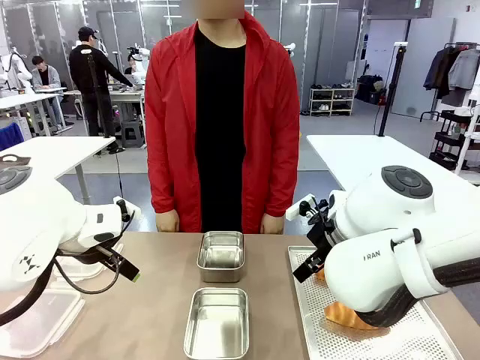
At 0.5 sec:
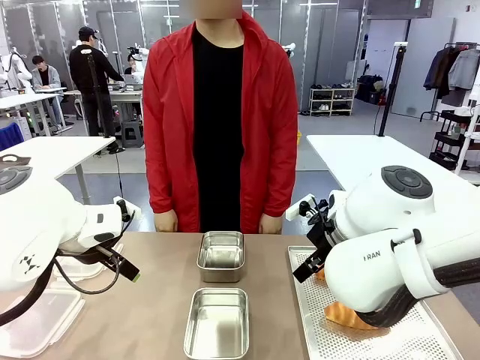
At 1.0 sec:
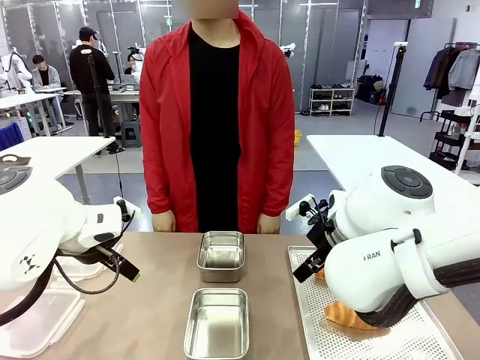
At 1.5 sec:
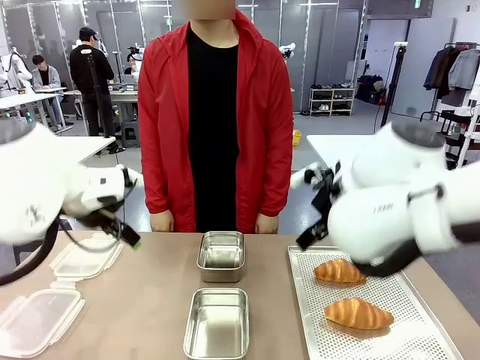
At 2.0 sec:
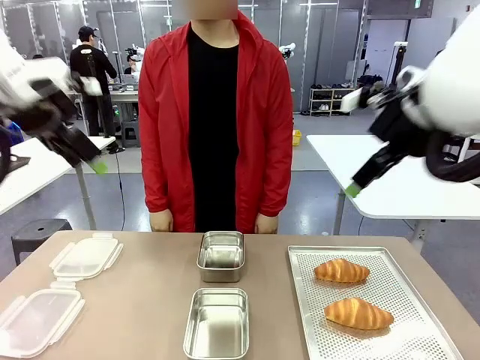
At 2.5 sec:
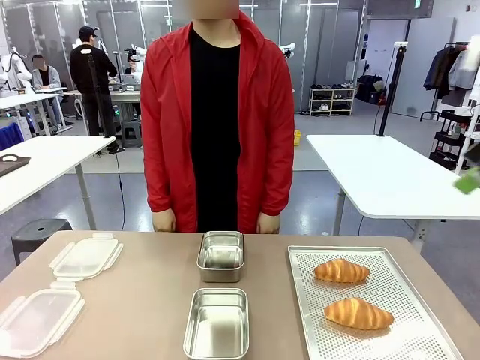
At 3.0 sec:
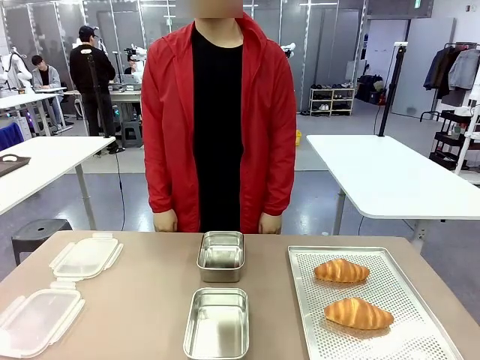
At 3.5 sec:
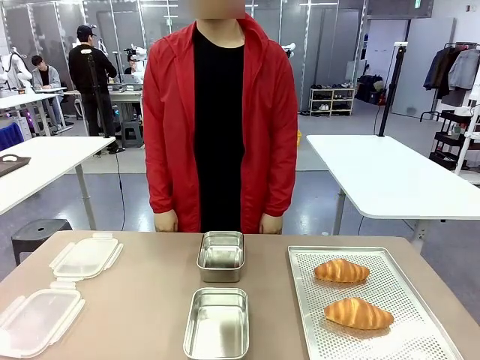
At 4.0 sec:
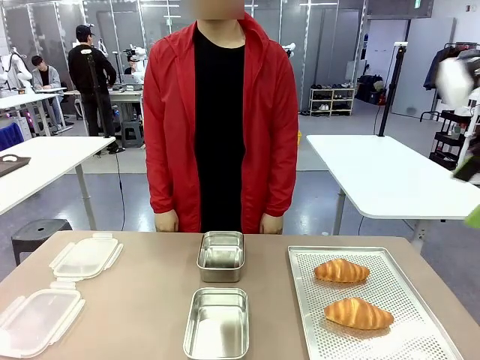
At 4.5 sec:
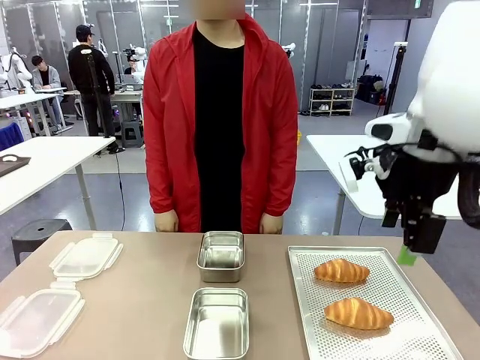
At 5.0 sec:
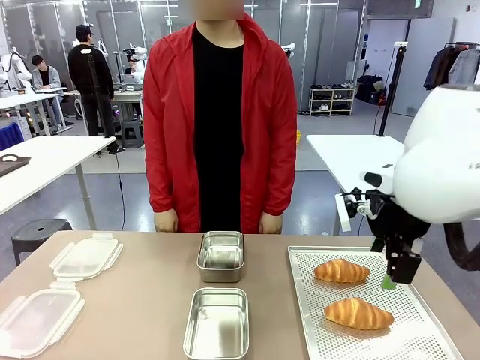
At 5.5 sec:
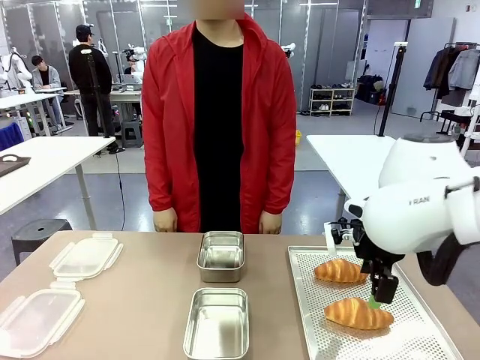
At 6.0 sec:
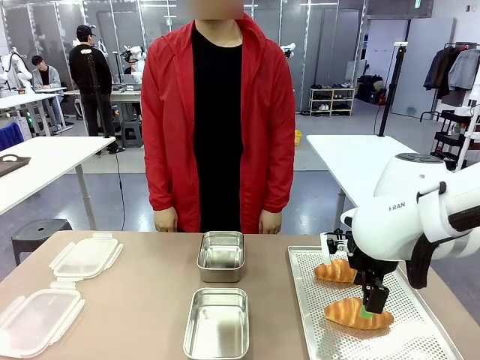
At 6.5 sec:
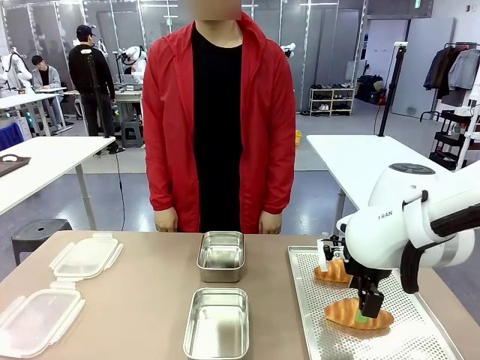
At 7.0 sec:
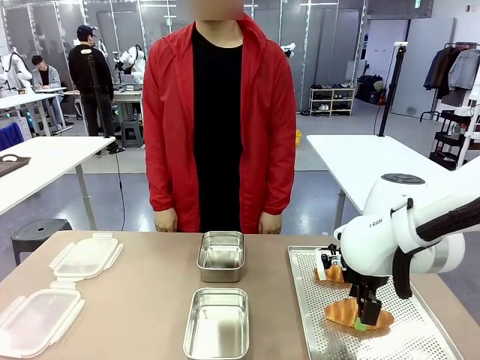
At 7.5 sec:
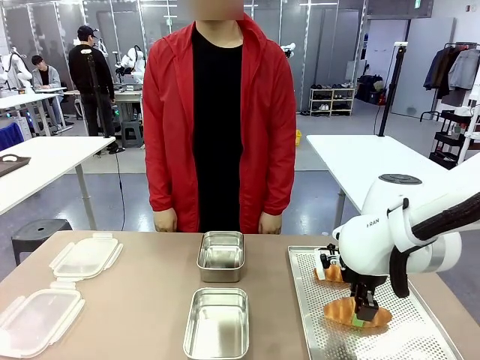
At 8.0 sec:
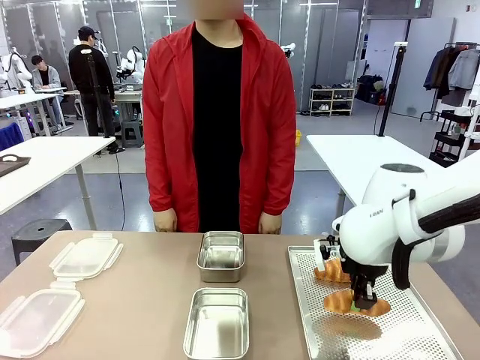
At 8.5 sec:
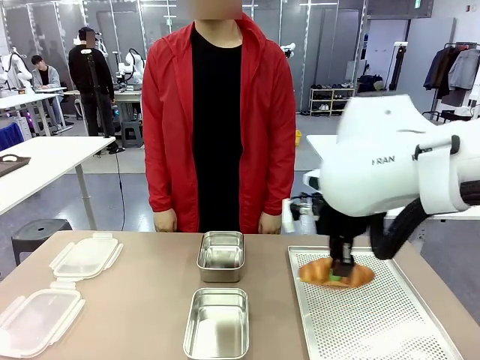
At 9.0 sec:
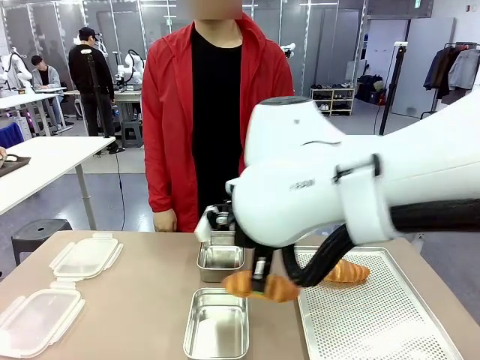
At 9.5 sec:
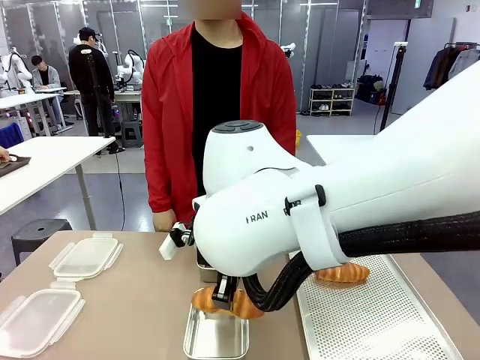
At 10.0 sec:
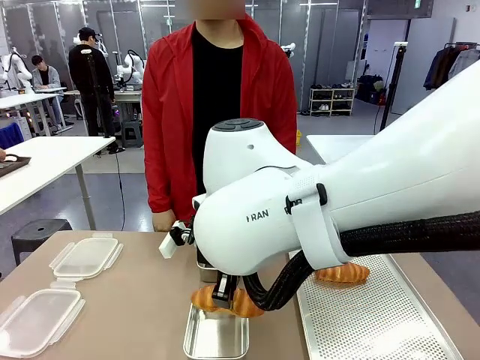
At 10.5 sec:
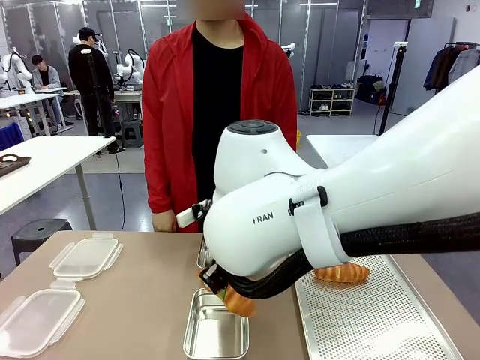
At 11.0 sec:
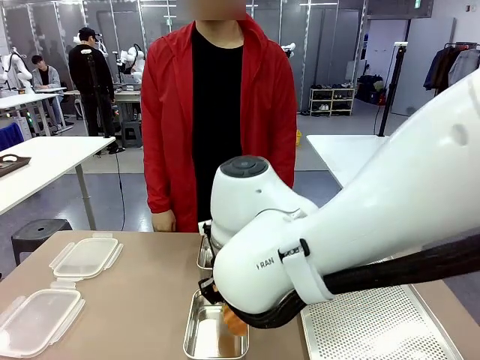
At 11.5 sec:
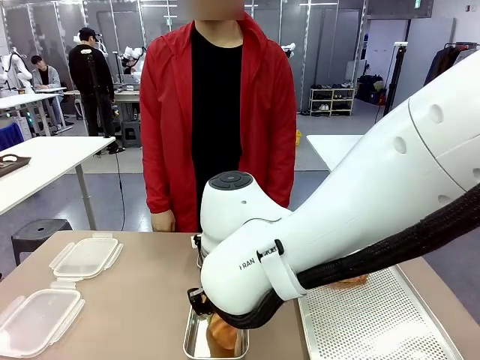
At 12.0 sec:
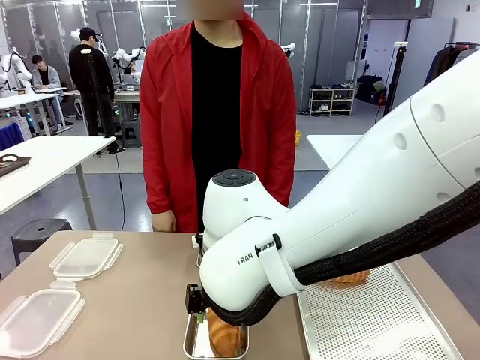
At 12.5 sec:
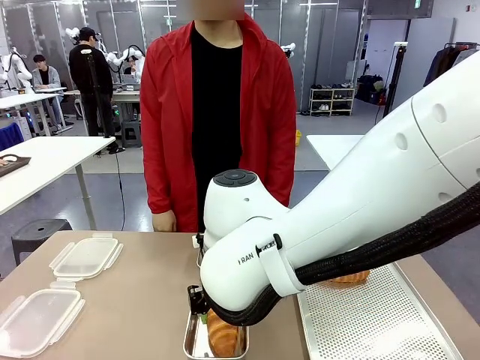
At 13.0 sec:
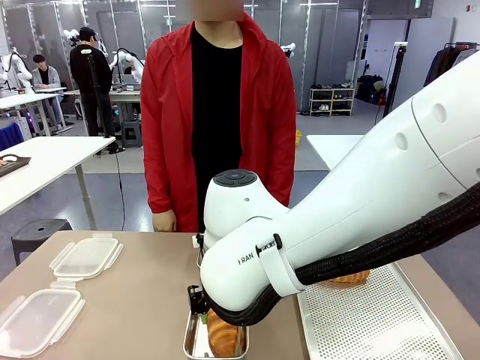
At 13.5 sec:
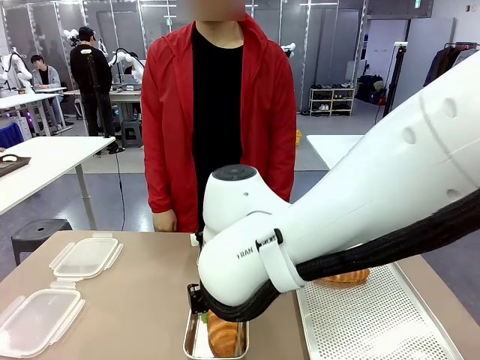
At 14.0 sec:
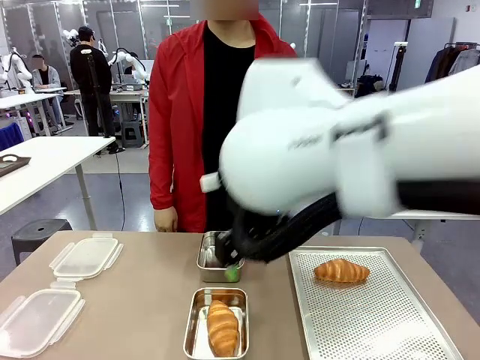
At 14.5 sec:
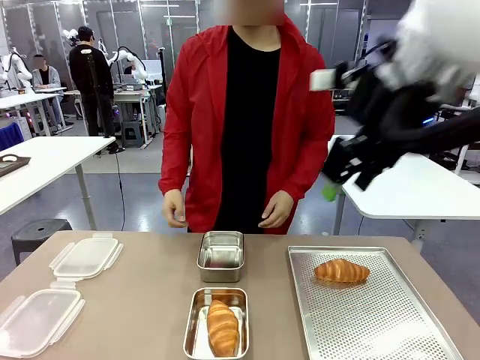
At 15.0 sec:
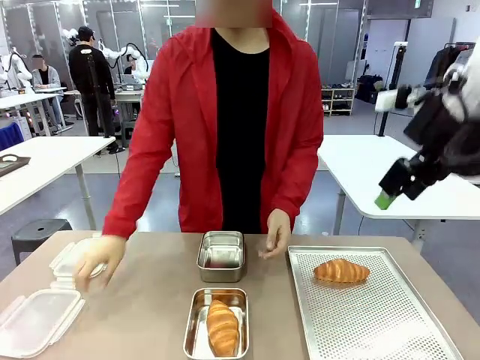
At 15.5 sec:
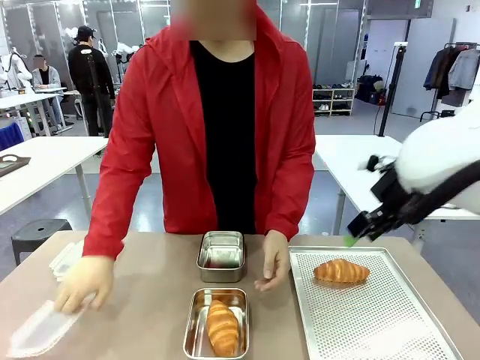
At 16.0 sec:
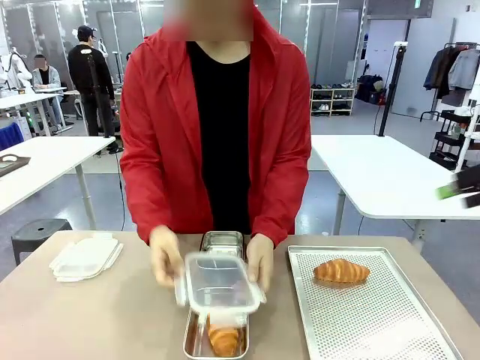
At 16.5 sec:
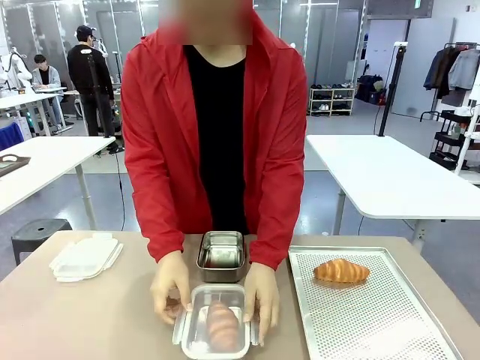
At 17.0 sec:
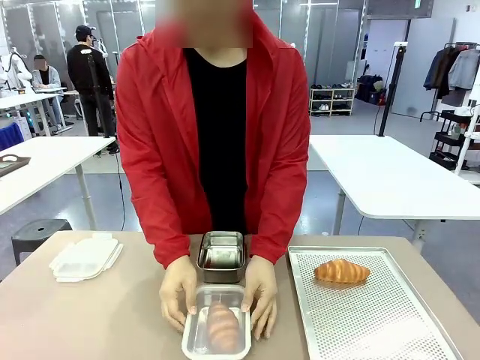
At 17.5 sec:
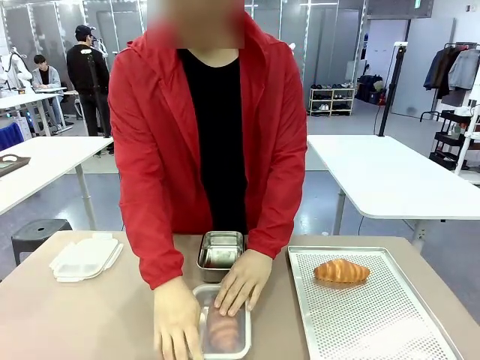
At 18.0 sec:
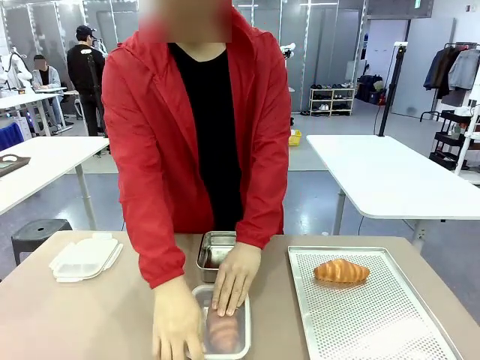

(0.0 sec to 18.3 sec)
Task: Place the bread into the airtight container.
Robot: Pick up a Butter Roll and place it into an empty Airtight Container.
